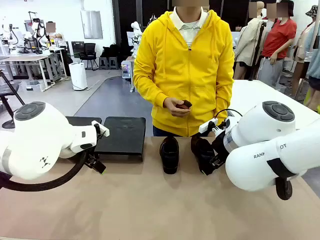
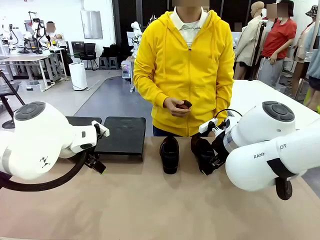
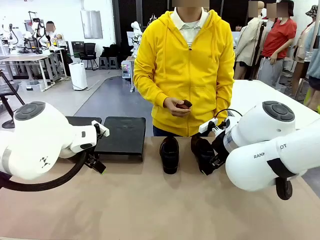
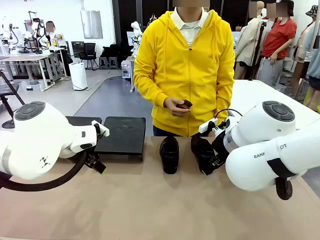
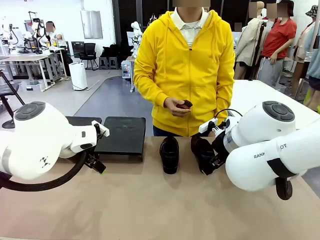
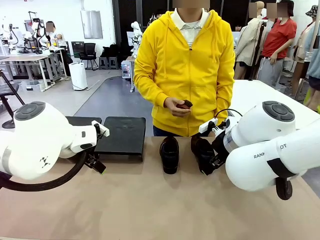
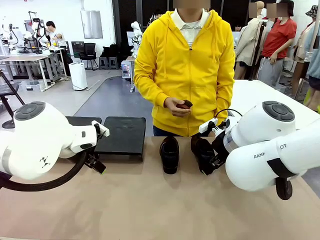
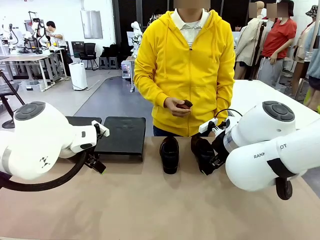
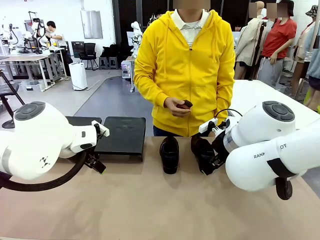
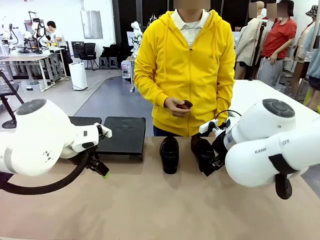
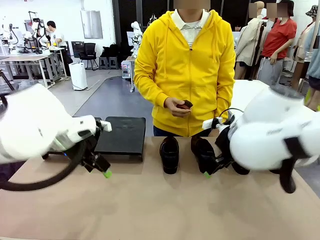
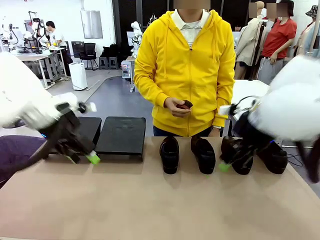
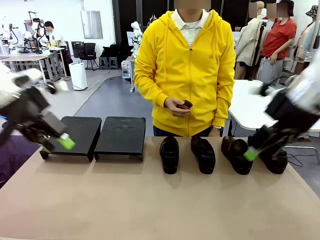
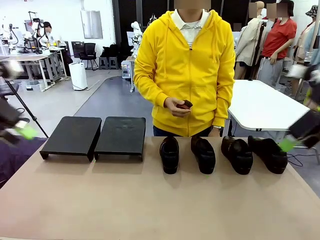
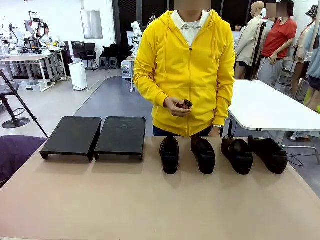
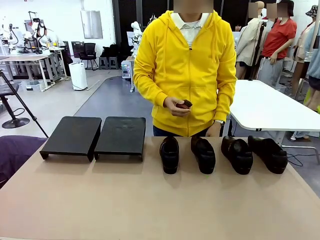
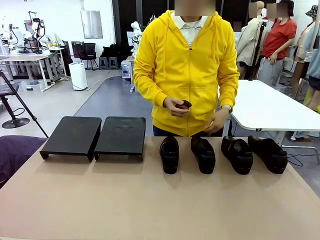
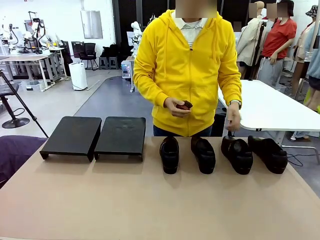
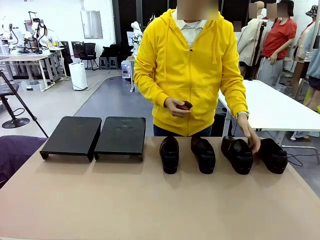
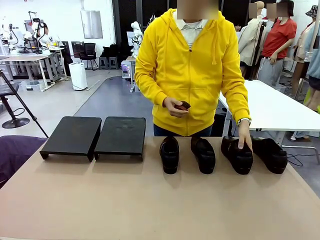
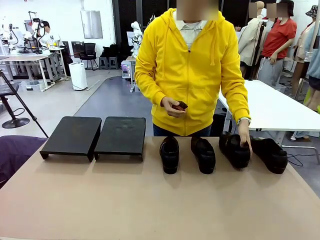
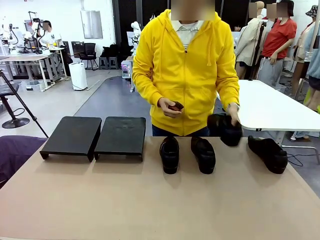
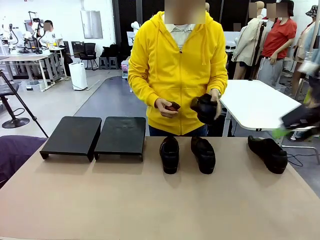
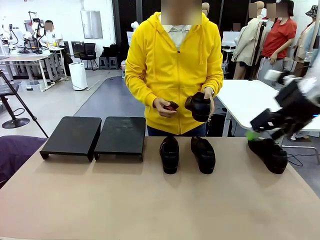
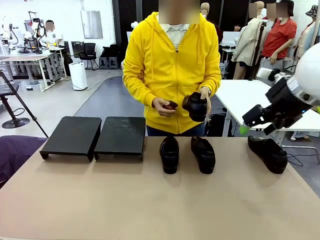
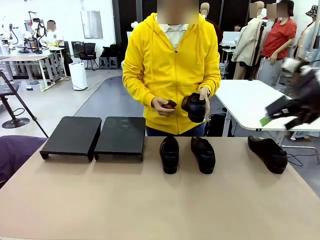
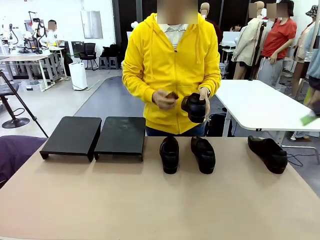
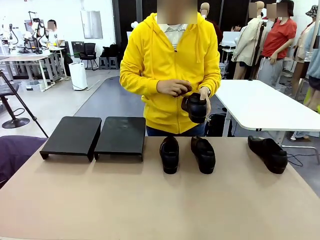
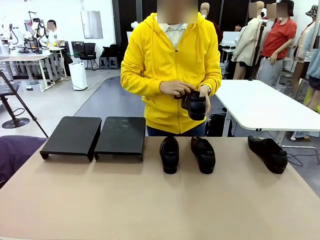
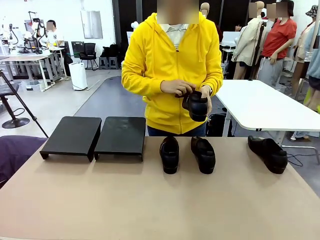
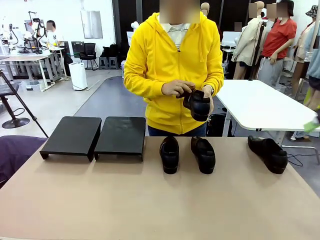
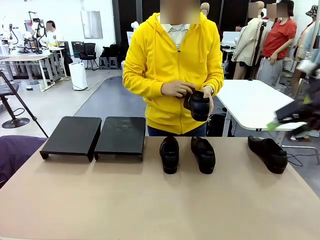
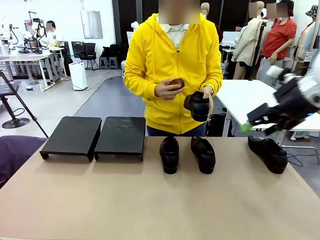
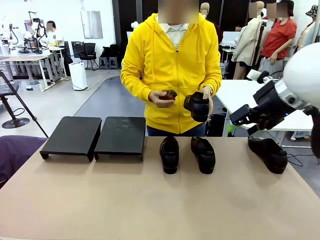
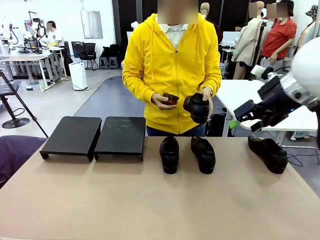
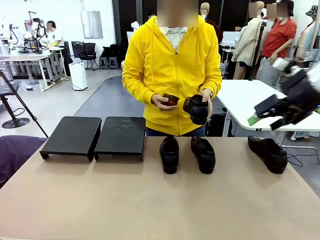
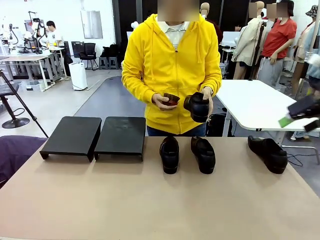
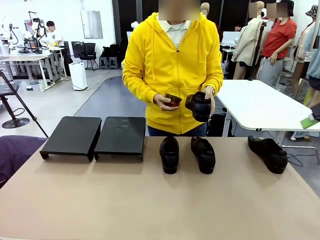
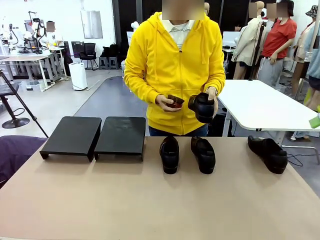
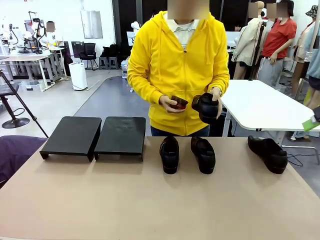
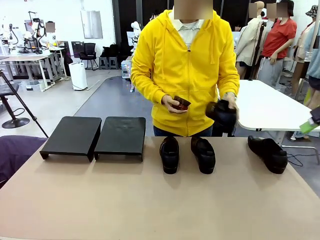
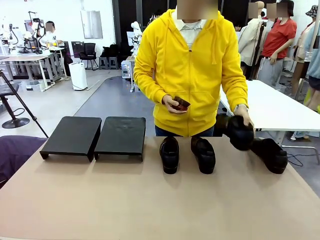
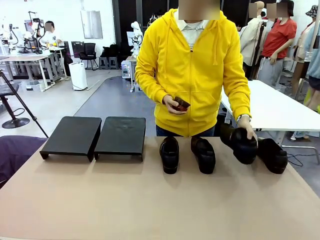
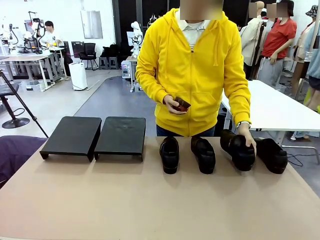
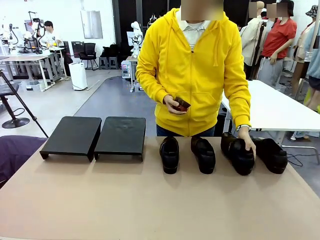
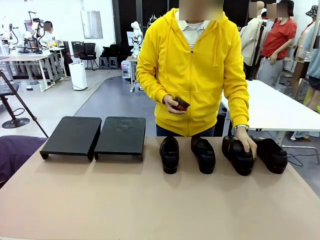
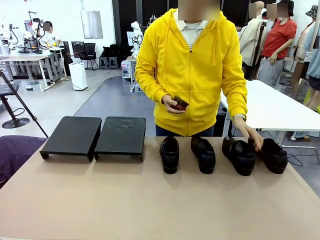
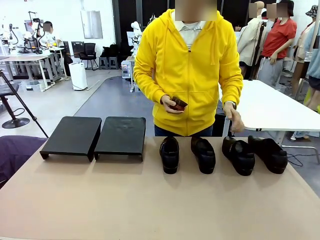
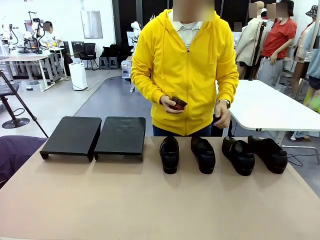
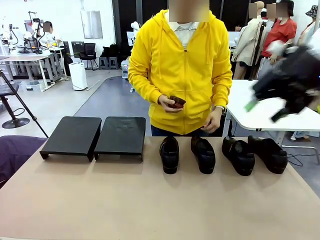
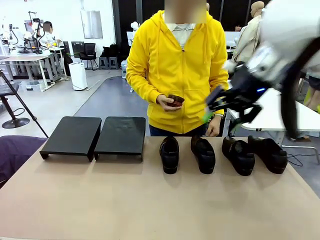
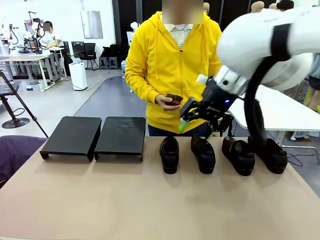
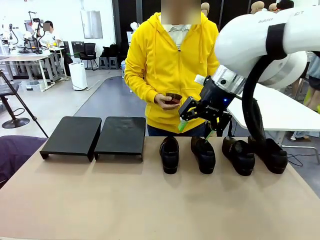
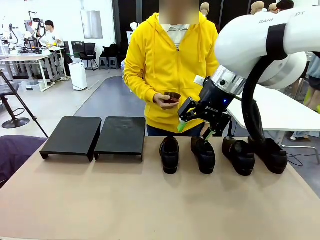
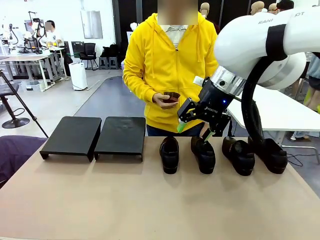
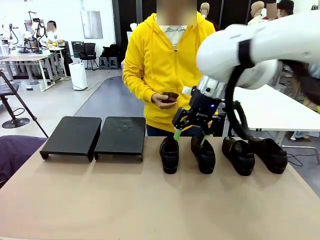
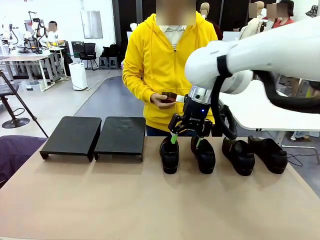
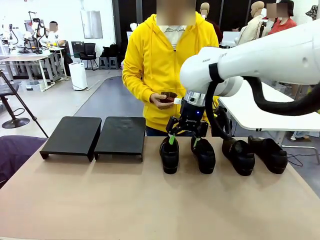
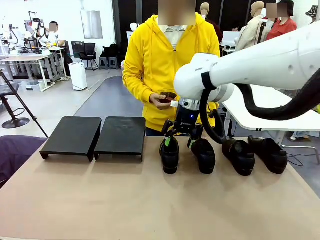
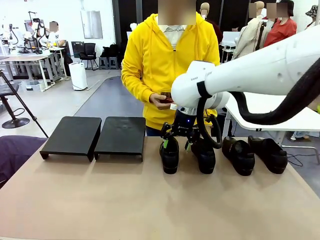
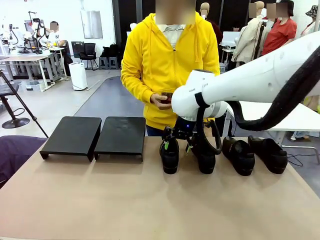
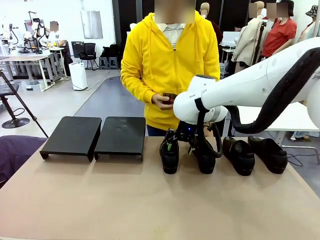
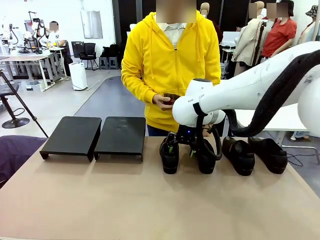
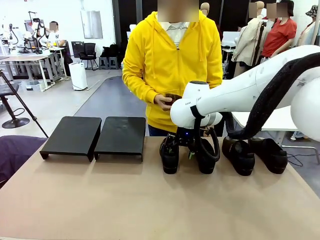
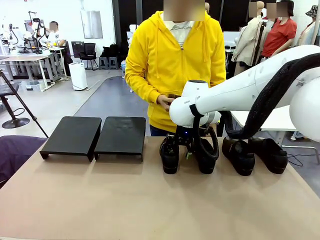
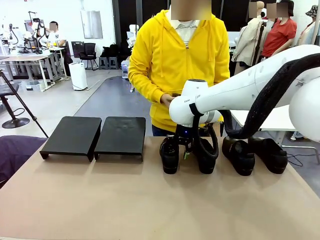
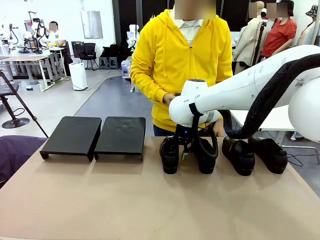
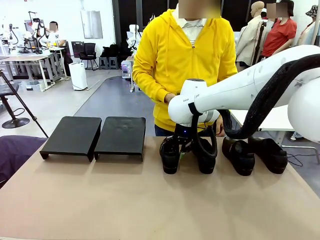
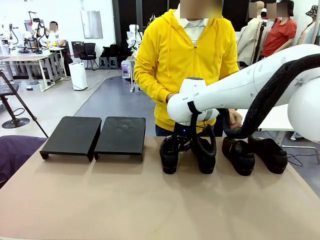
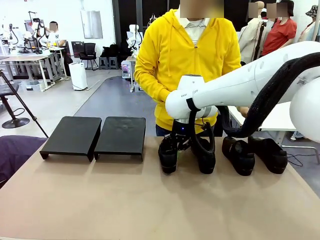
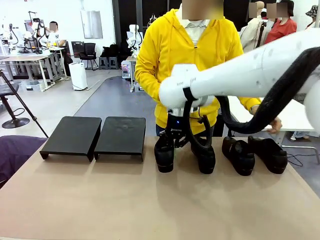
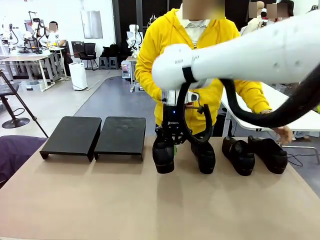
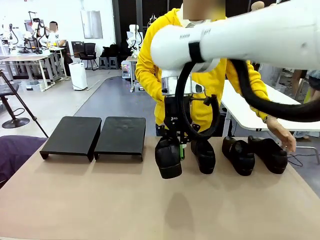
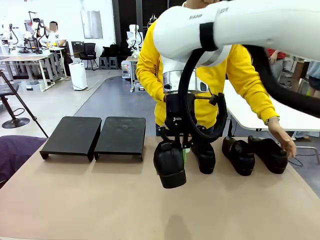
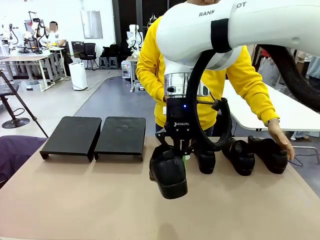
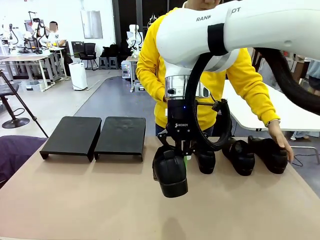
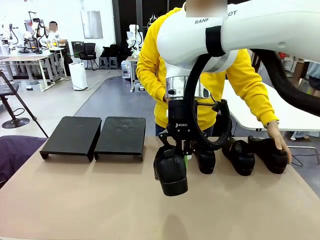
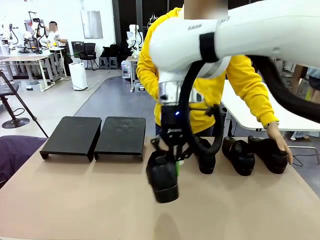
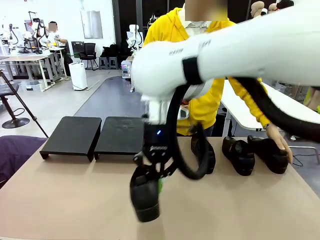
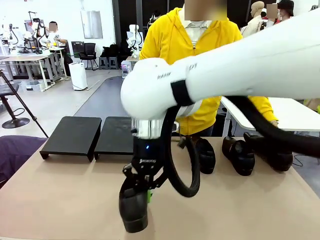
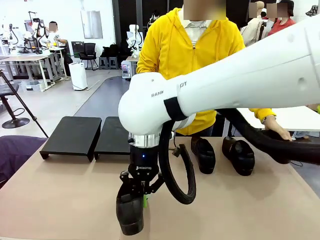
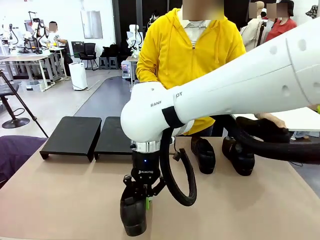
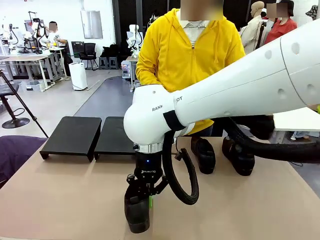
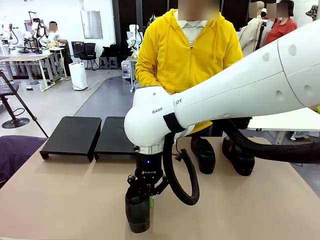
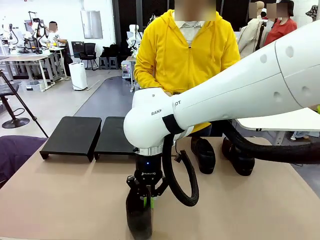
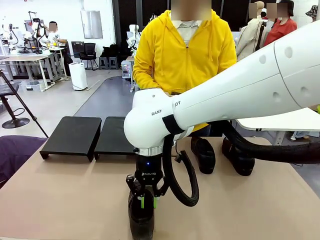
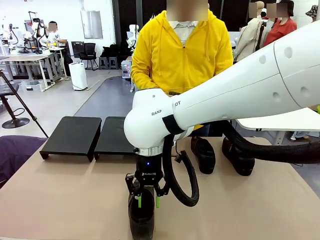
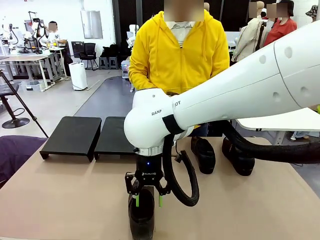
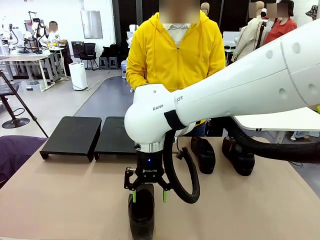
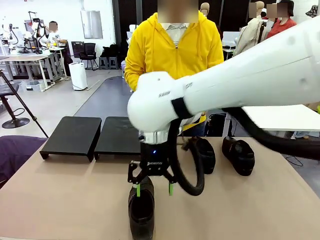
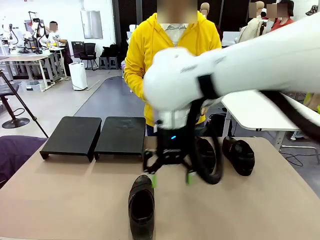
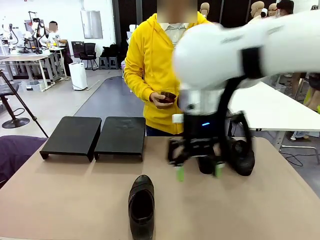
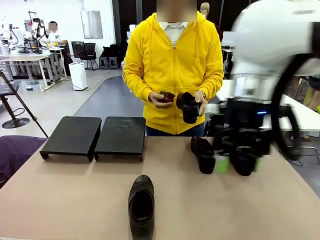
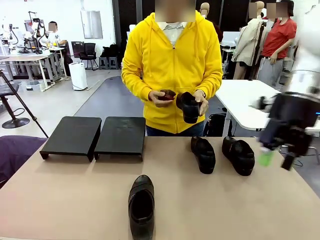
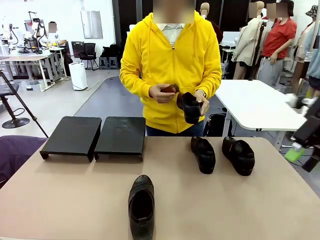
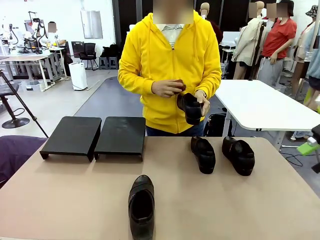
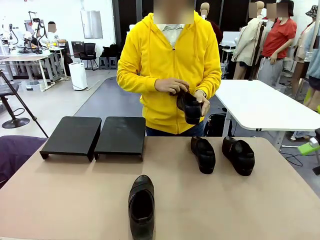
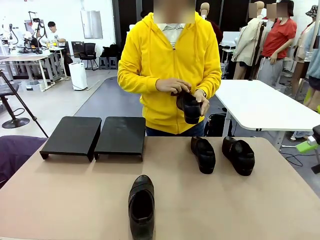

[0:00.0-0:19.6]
Task: Organize the shoes by placing them on the stand.
Robot: Pick up one Shoe and place it in the middle of the table.
Person: Pick one Shoe on Robot's table. Clean the Shoe with the Shoe Brush. Place the Shoe on left side of the Robot's table. Pick one Shoe on Robot's table.
